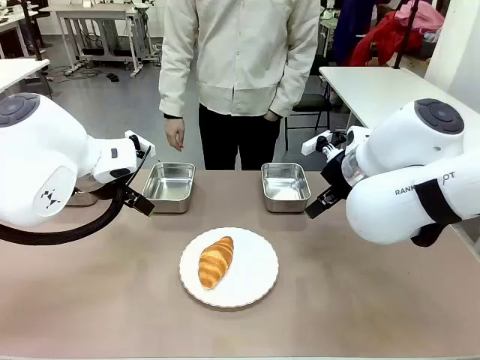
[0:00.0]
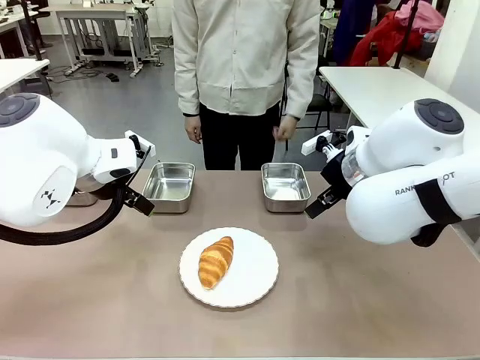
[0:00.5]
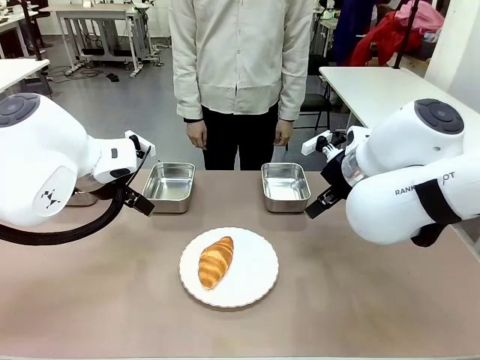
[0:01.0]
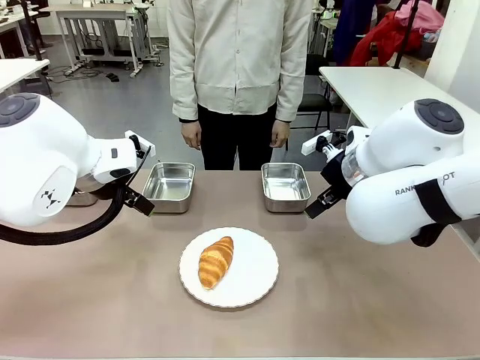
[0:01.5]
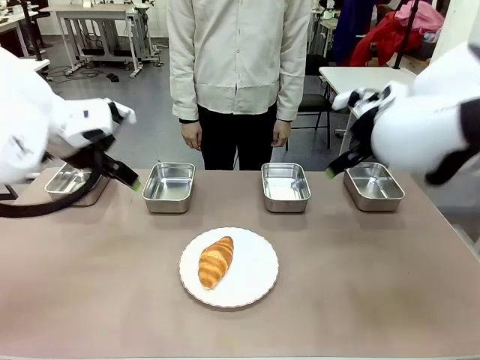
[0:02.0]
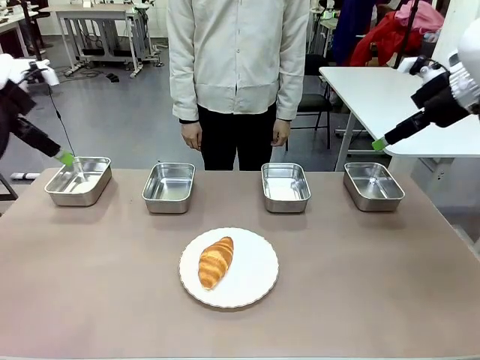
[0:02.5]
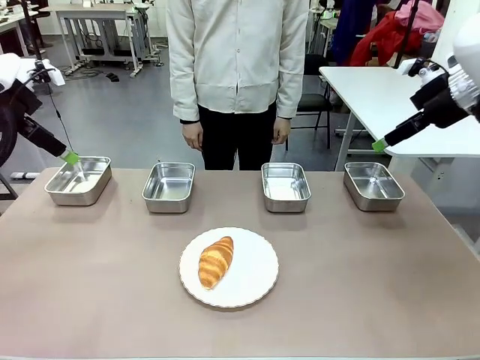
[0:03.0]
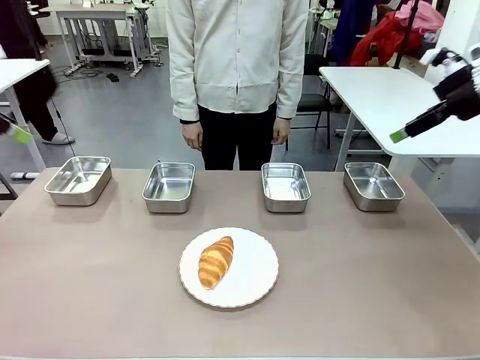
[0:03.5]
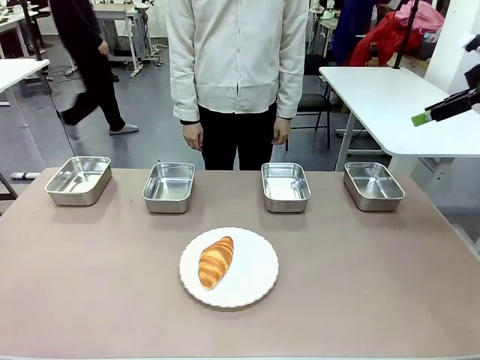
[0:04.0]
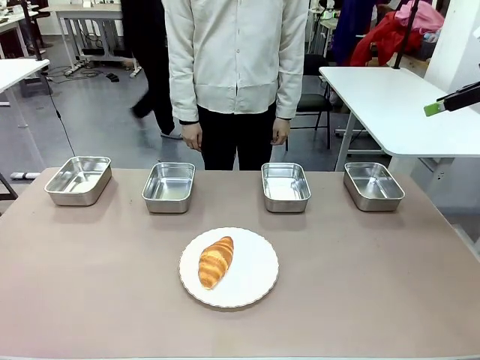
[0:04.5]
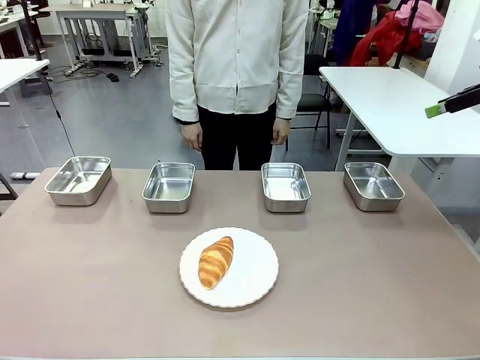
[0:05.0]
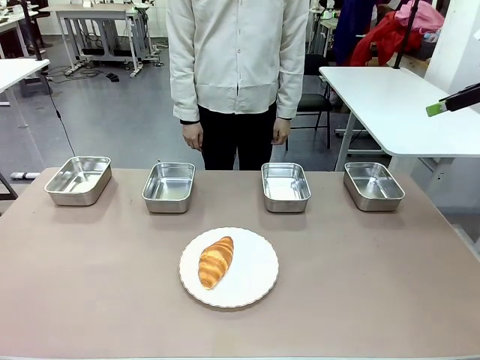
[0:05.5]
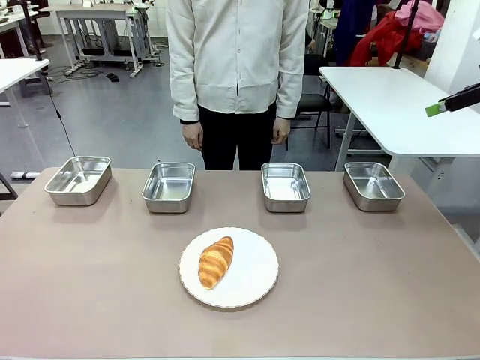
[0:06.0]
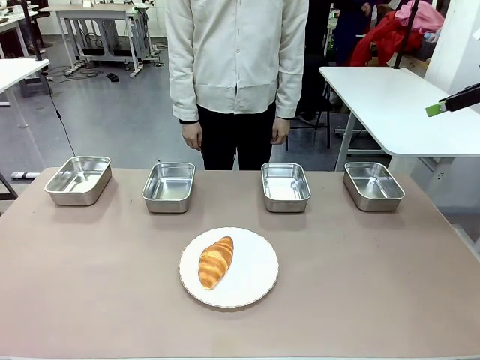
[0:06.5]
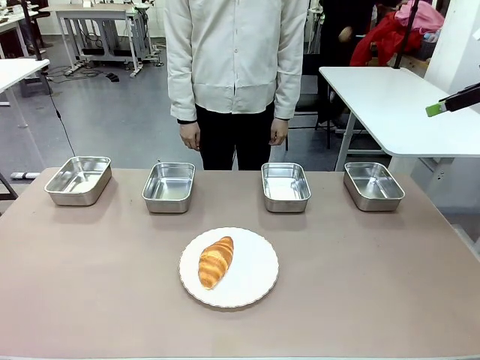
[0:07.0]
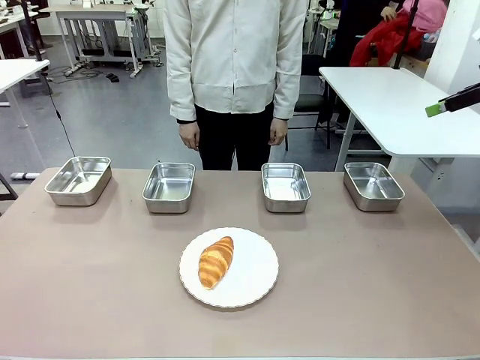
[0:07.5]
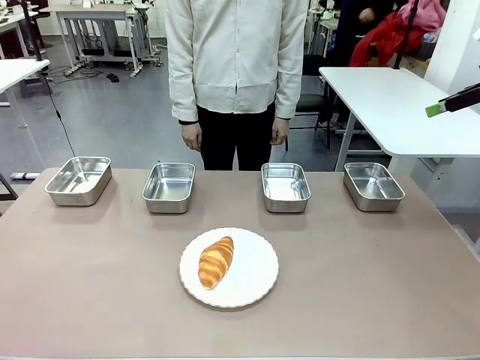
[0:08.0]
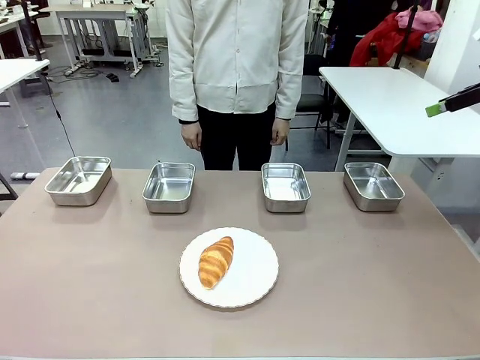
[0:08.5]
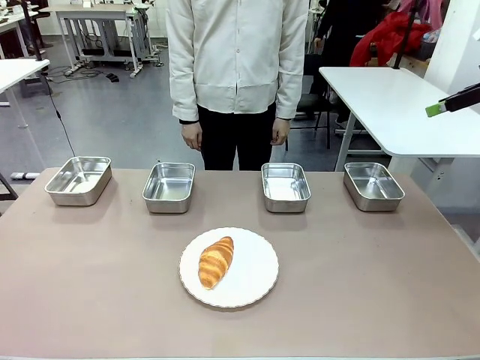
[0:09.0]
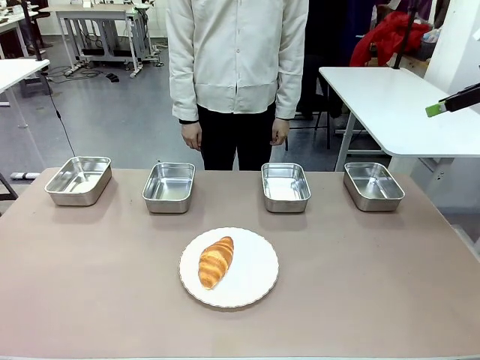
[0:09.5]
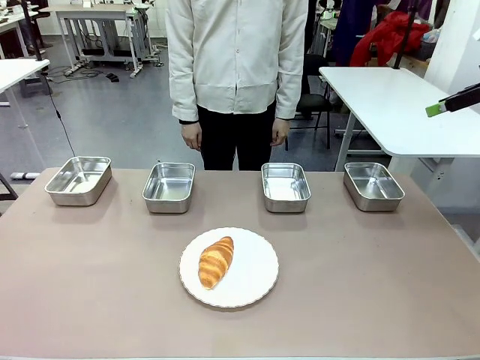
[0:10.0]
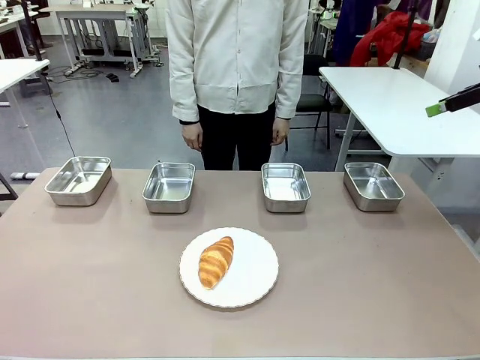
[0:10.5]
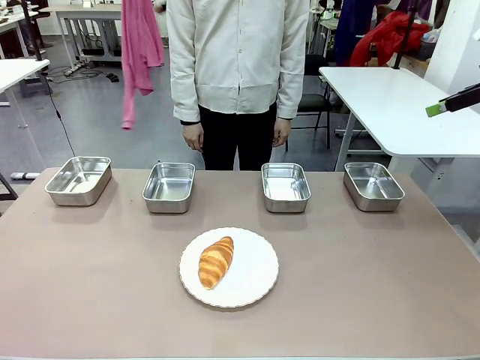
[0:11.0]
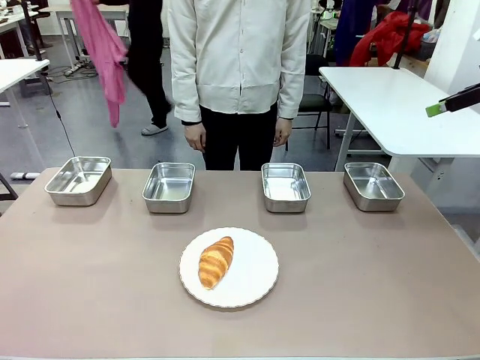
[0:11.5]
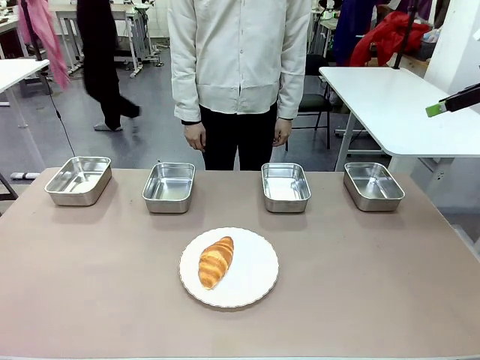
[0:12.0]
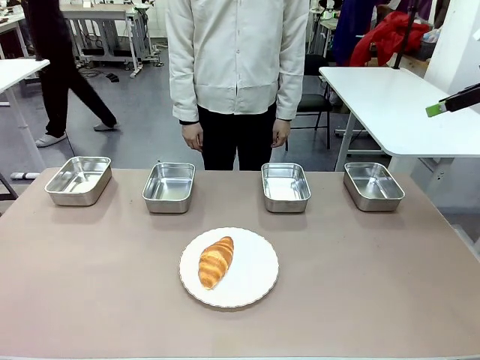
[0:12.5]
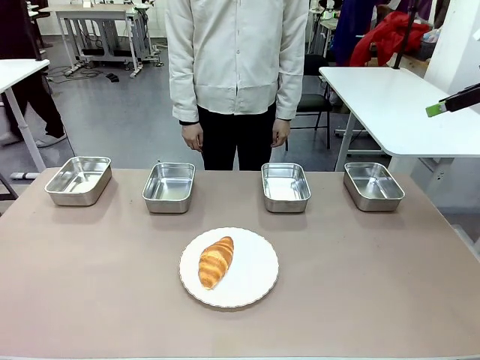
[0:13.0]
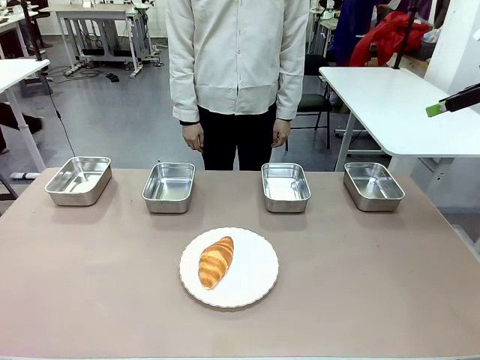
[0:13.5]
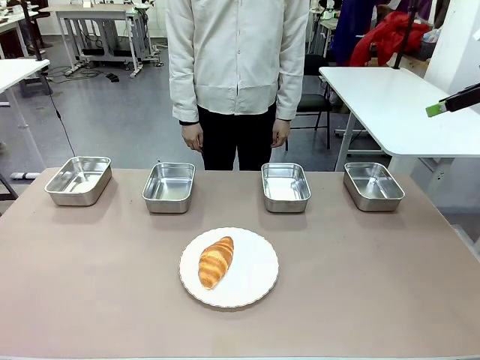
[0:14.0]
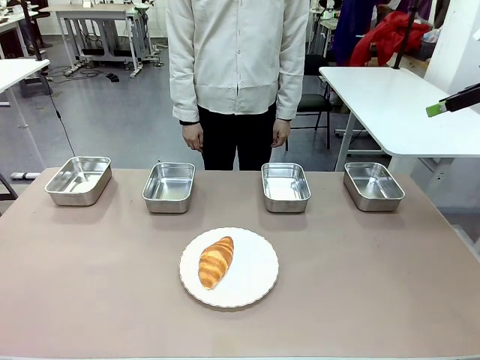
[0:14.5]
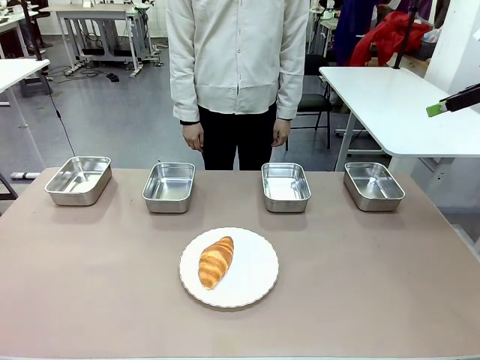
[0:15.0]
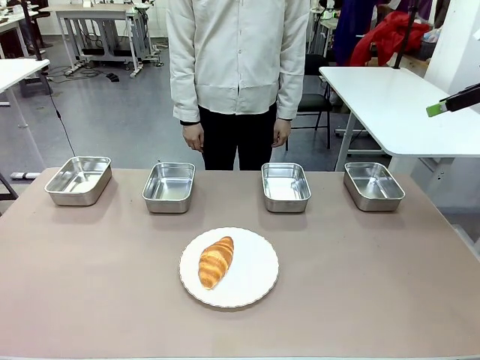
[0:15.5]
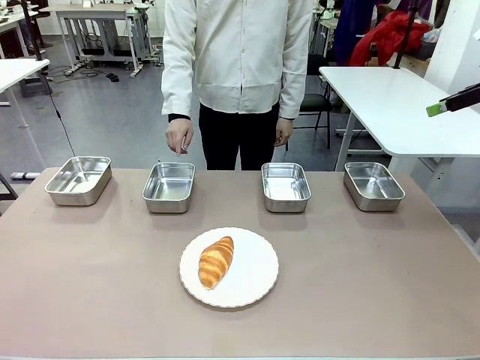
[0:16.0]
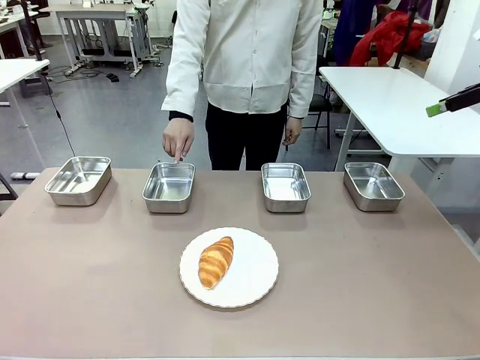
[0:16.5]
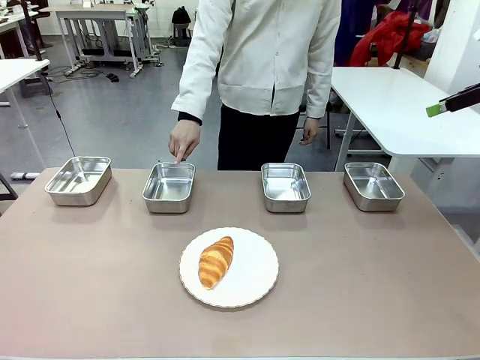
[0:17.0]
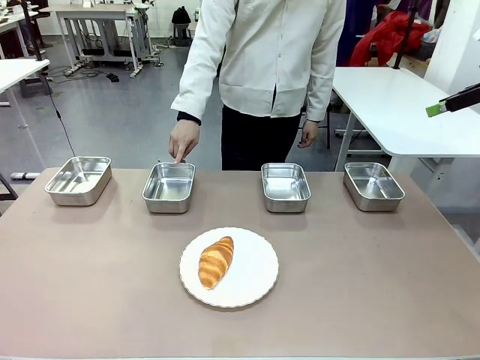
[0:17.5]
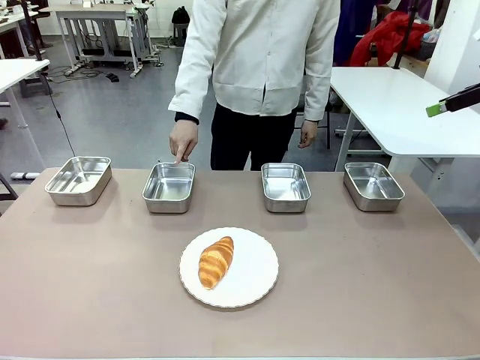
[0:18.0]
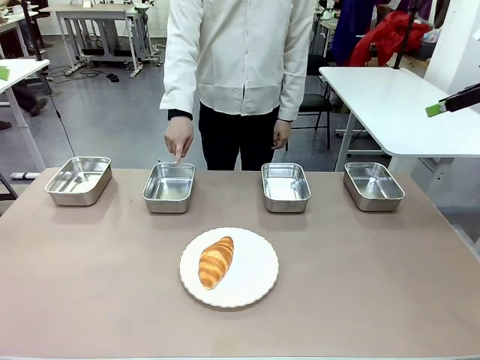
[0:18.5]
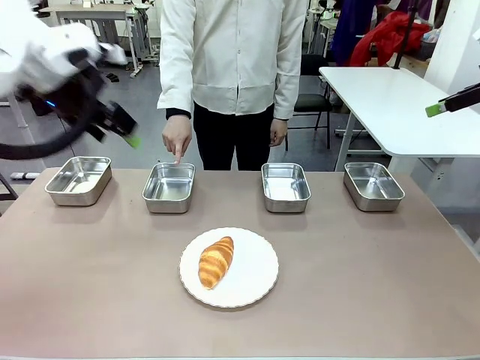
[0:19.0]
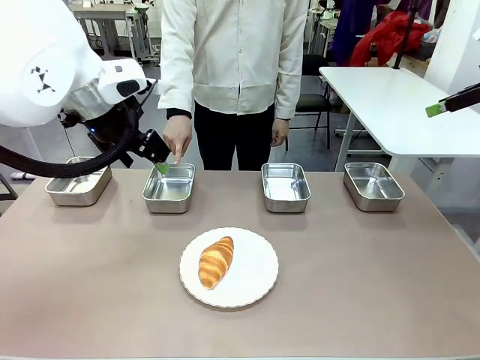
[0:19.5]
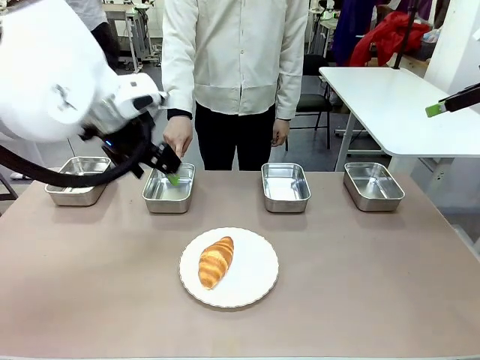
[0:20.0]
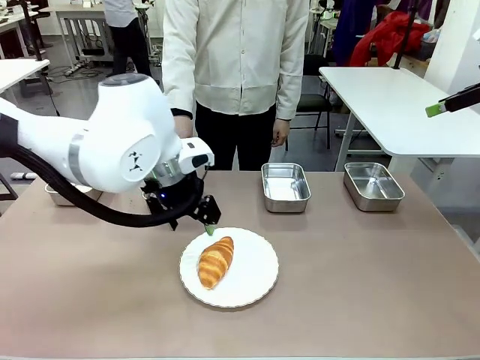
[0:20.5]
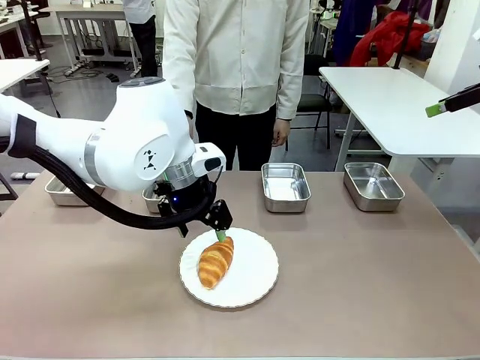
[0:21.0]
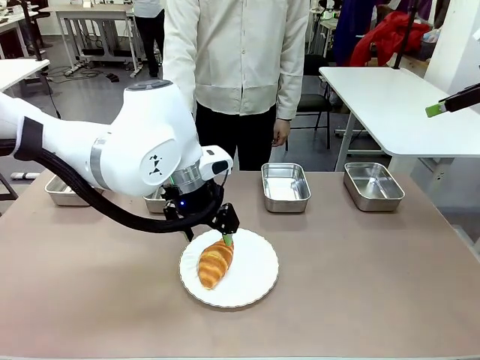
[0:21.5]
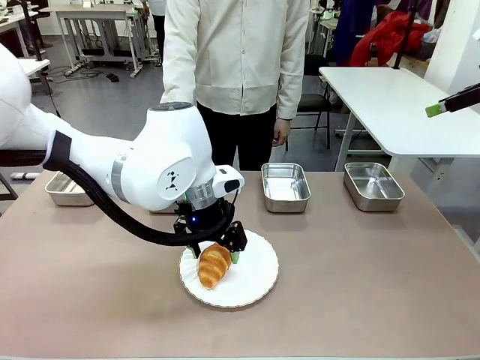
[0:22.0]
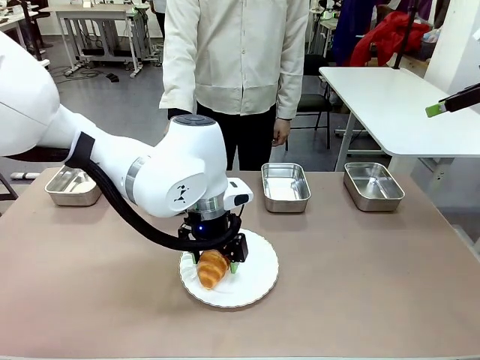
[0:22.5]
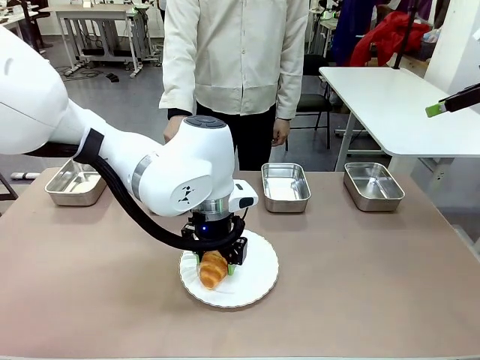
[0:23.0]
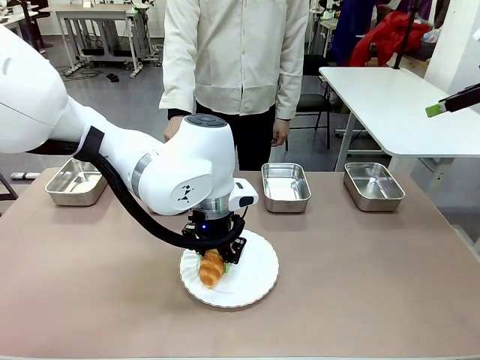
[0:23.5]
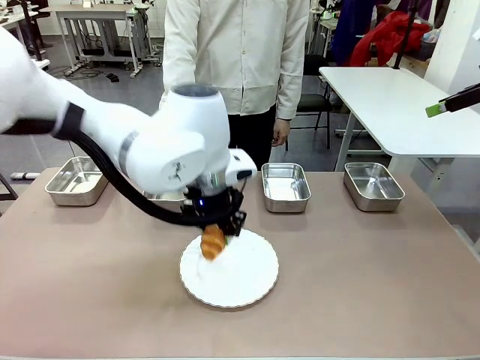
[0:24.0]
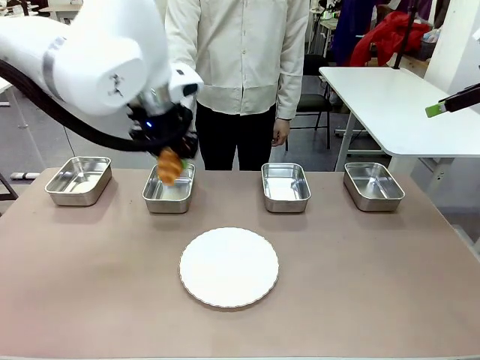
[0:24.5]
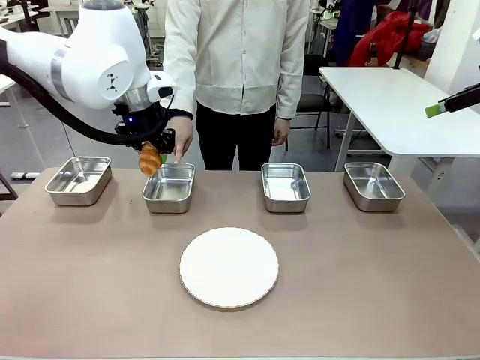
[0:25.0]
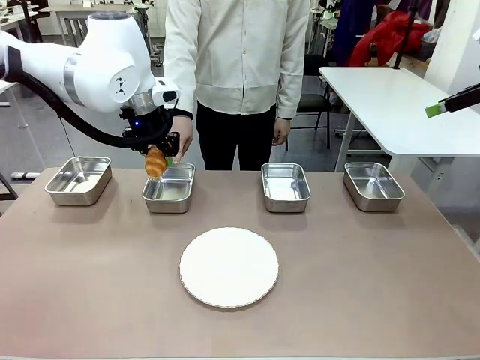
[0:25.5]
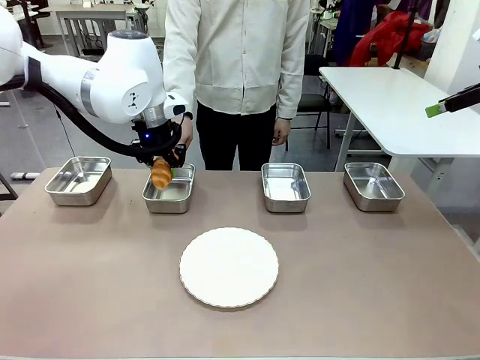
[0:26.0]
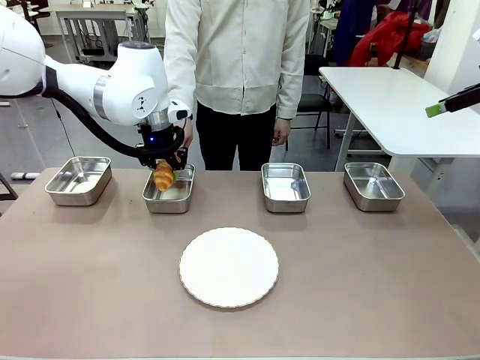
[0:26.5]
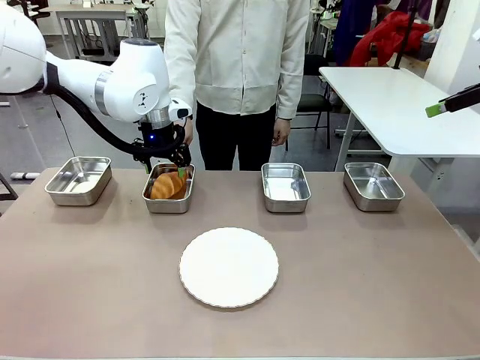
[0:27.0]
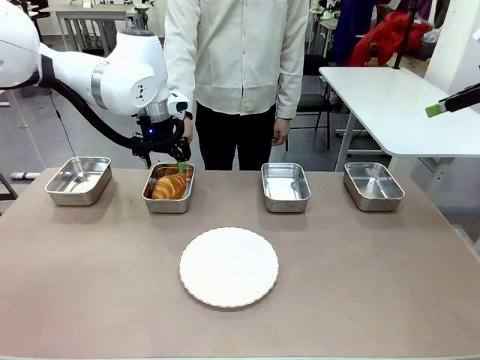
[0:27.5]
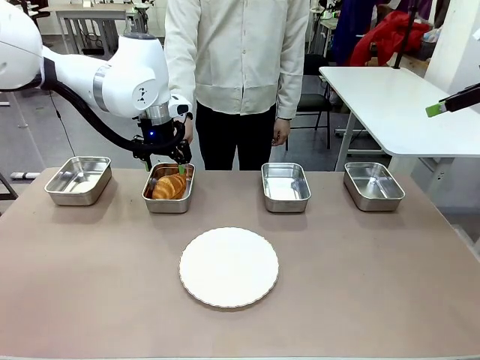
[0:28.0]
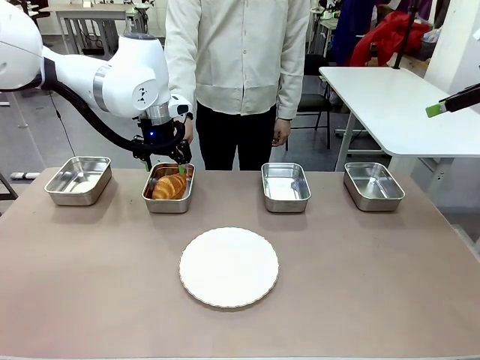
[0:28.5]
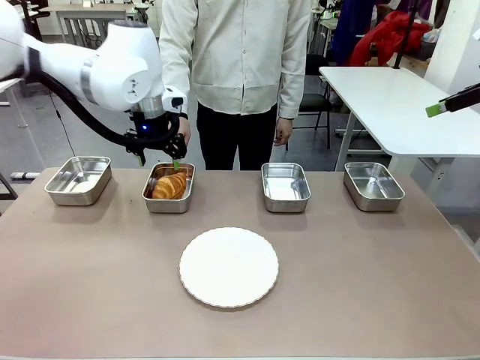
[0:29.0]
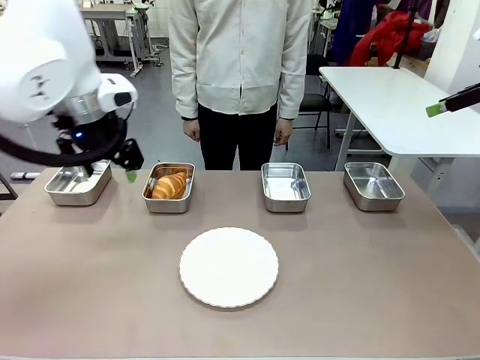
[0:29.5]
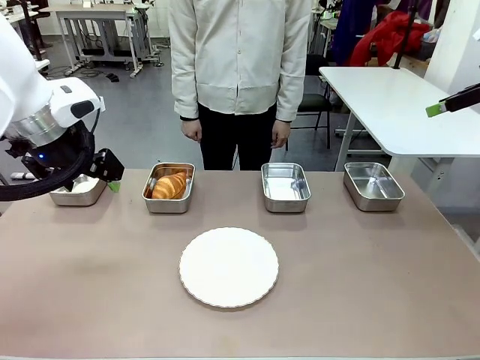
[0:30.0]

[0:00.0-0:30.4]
Task: Place the bread in the container.
Robot: Place the Butter Roll into the Airtight Container indicated by the human.
Person: A person randomly selects and points to an Airtight Container.
